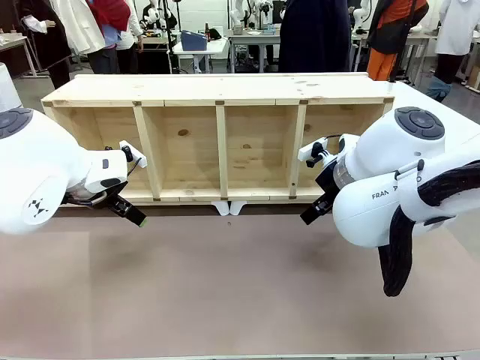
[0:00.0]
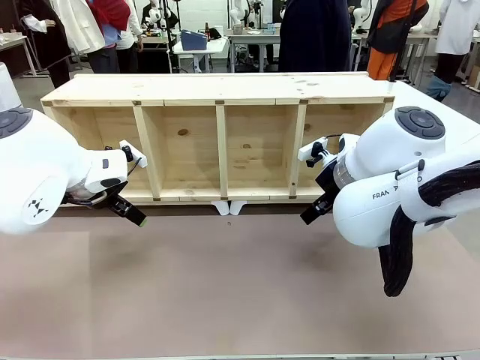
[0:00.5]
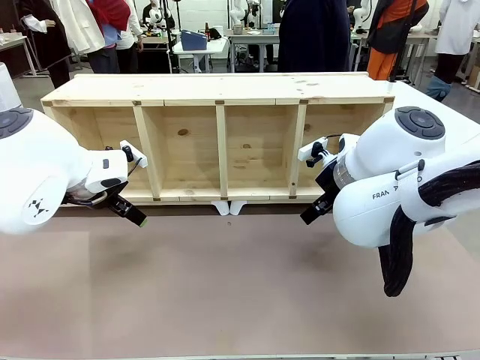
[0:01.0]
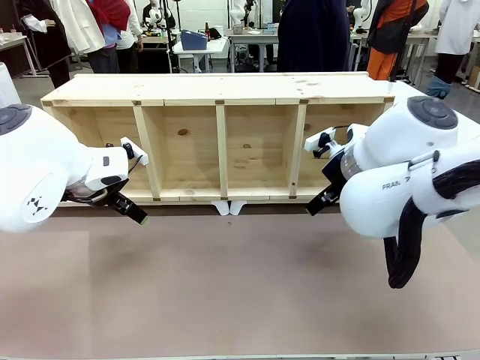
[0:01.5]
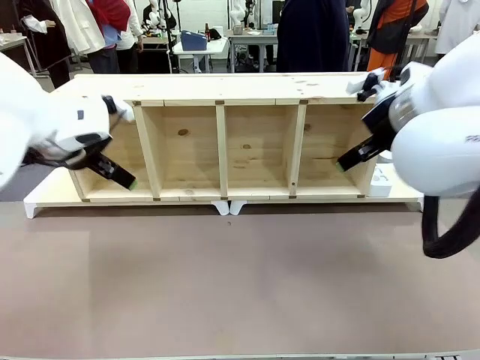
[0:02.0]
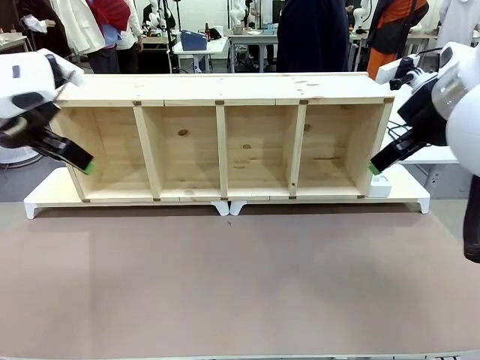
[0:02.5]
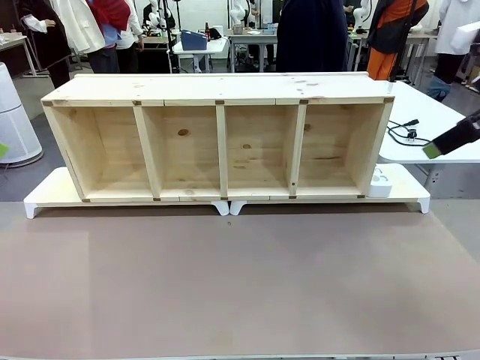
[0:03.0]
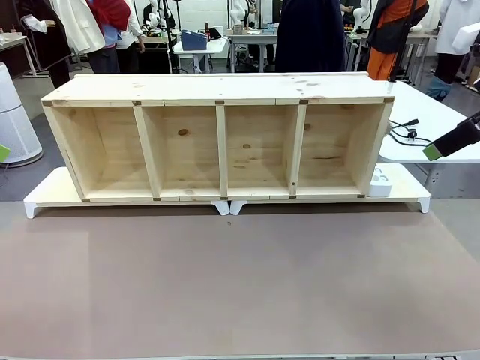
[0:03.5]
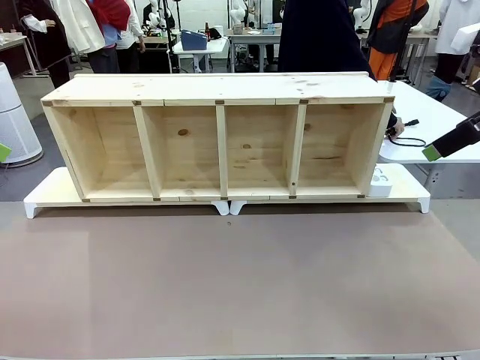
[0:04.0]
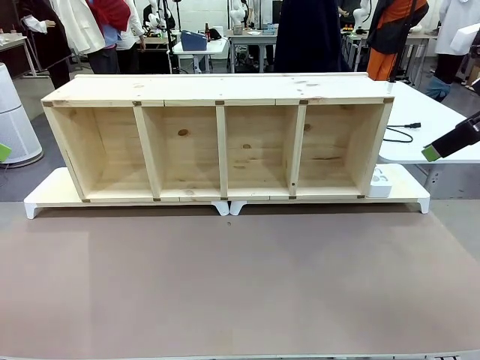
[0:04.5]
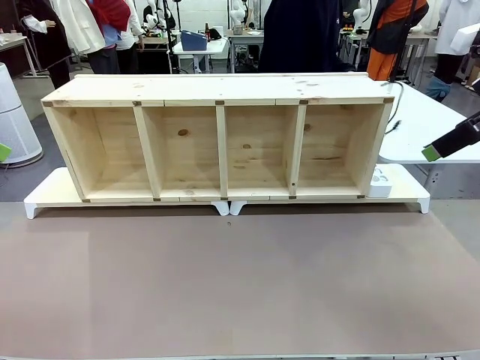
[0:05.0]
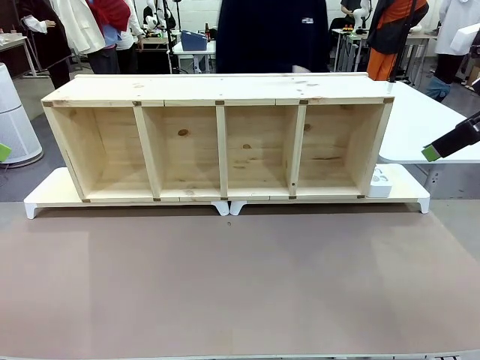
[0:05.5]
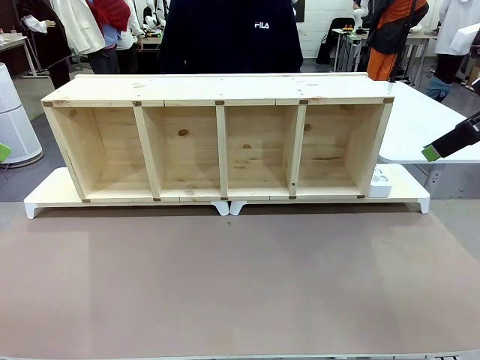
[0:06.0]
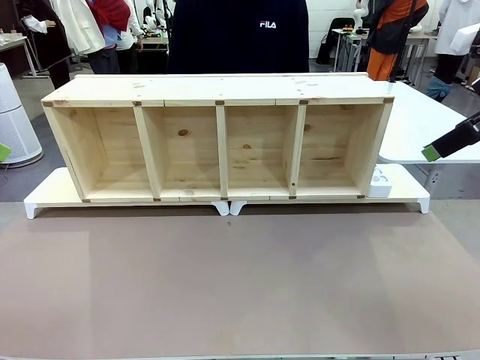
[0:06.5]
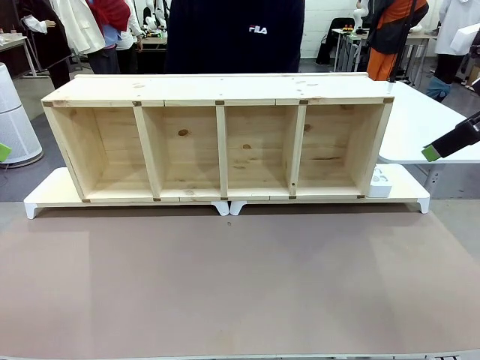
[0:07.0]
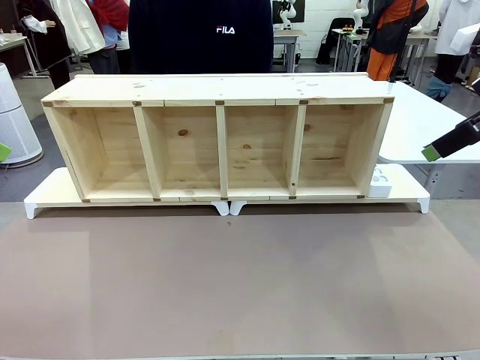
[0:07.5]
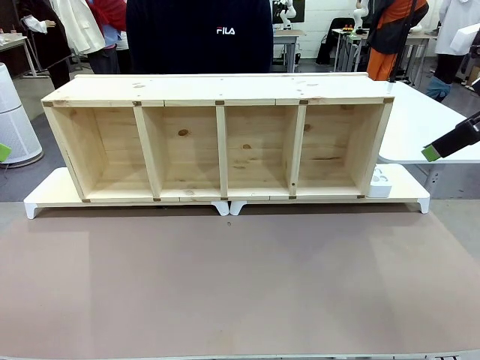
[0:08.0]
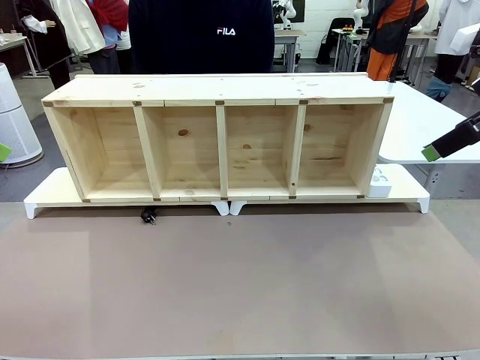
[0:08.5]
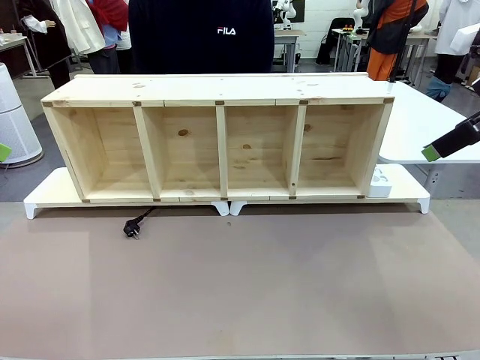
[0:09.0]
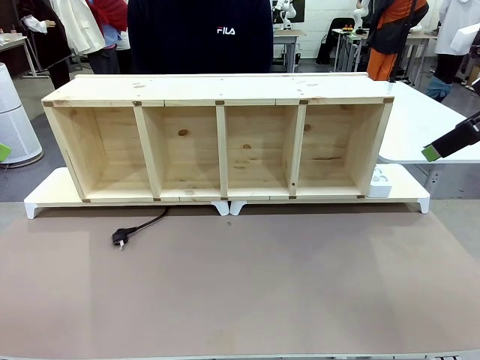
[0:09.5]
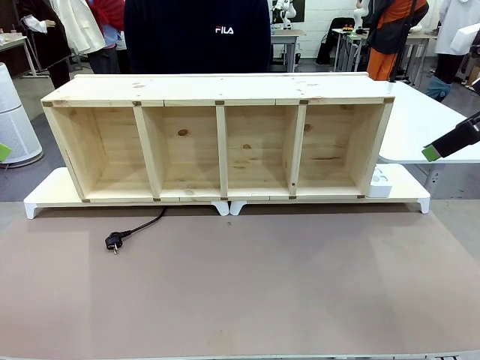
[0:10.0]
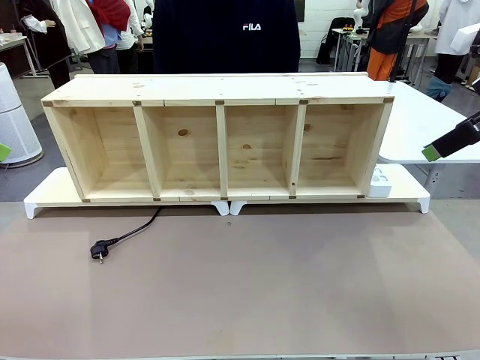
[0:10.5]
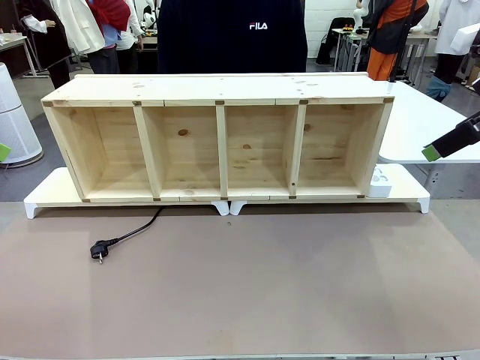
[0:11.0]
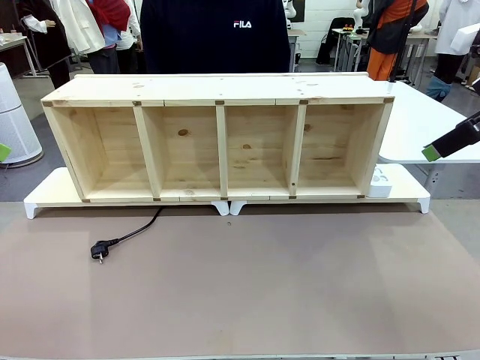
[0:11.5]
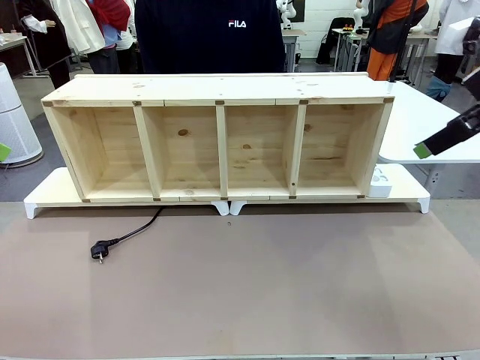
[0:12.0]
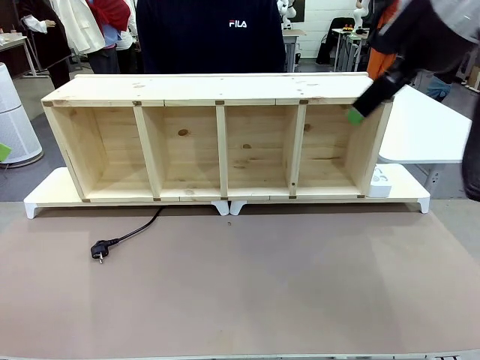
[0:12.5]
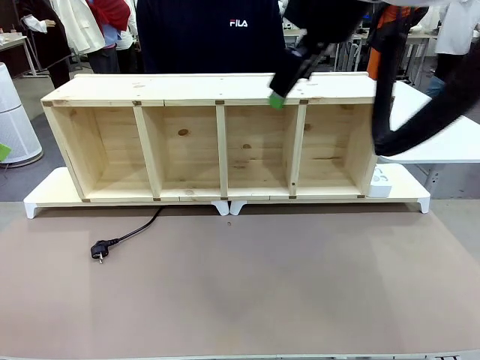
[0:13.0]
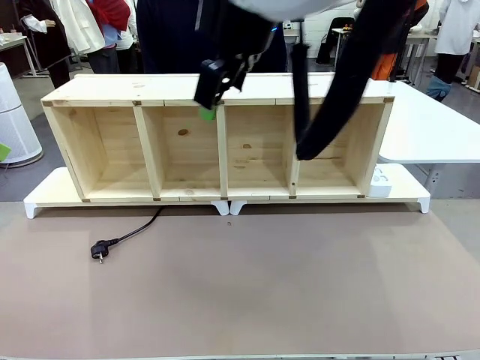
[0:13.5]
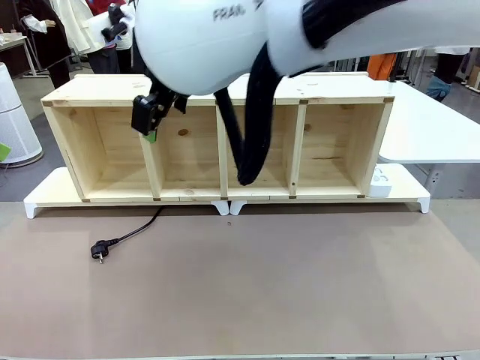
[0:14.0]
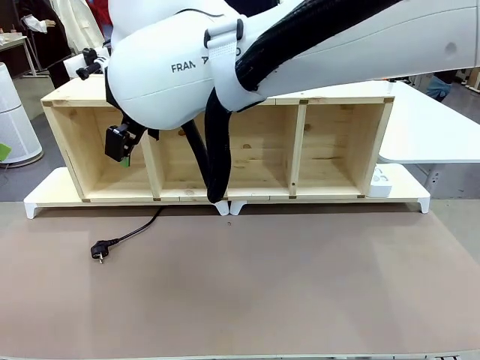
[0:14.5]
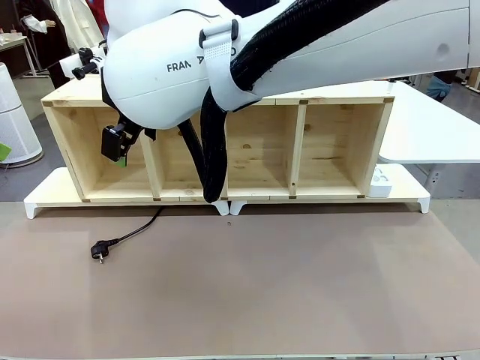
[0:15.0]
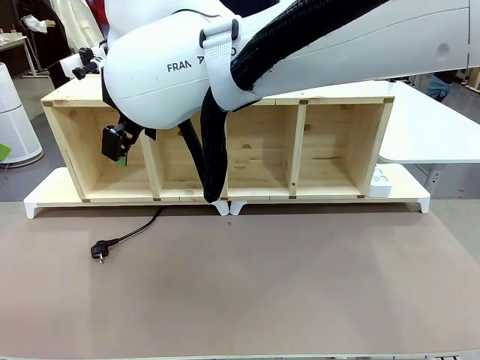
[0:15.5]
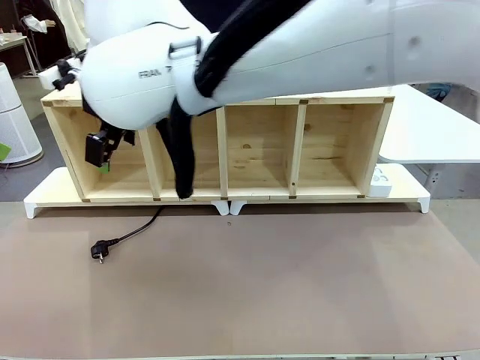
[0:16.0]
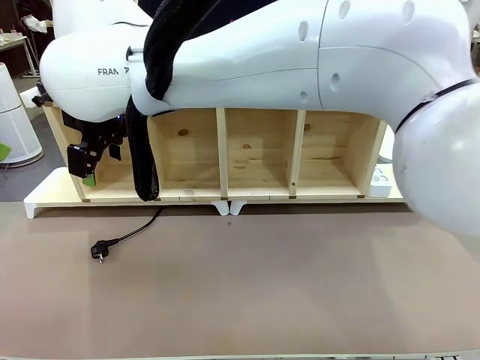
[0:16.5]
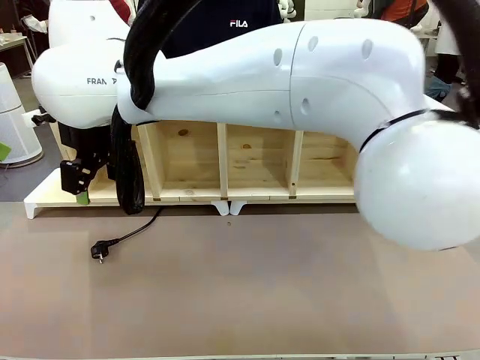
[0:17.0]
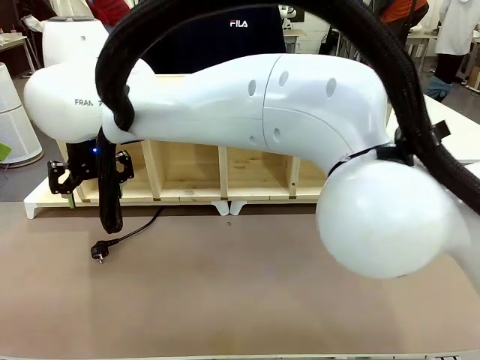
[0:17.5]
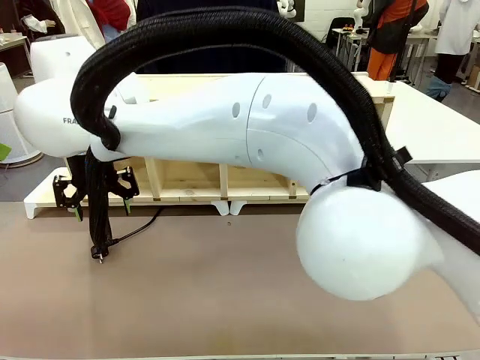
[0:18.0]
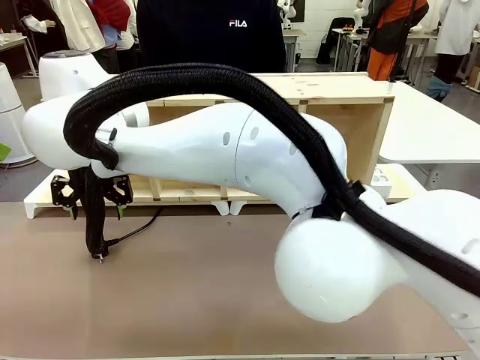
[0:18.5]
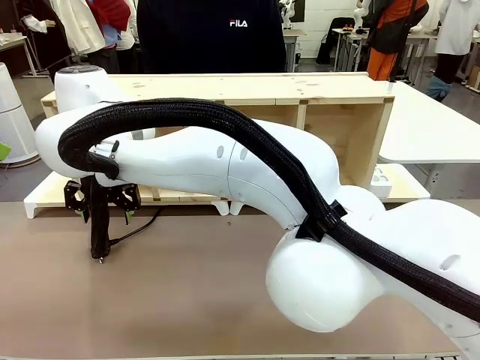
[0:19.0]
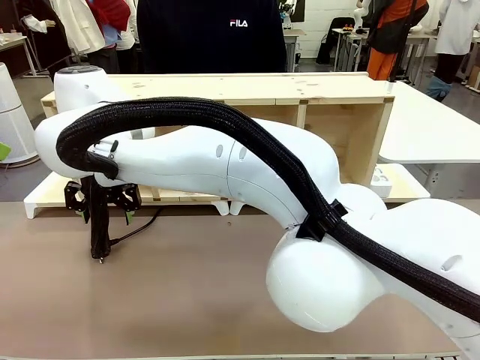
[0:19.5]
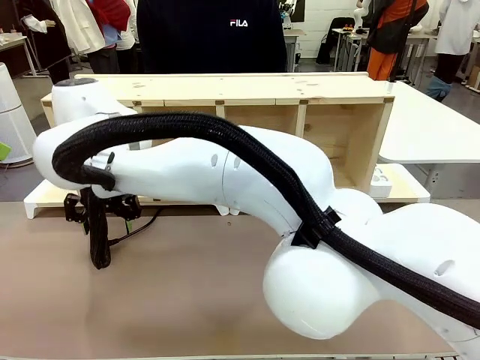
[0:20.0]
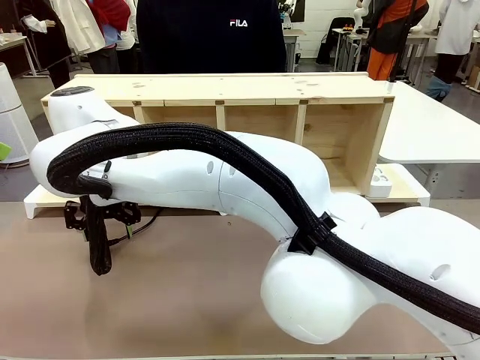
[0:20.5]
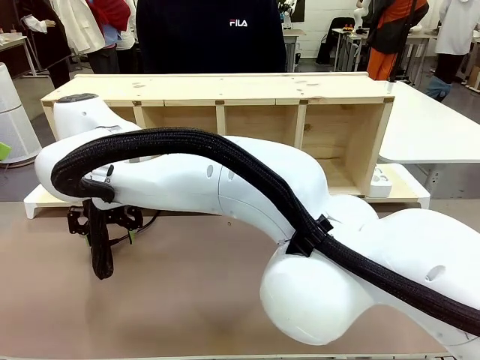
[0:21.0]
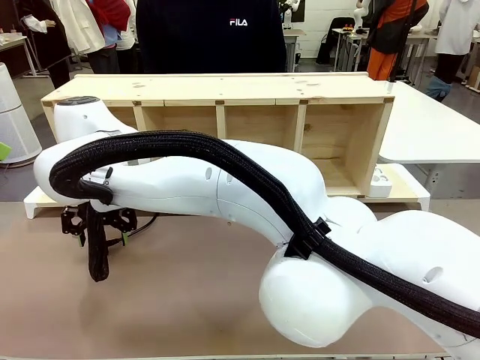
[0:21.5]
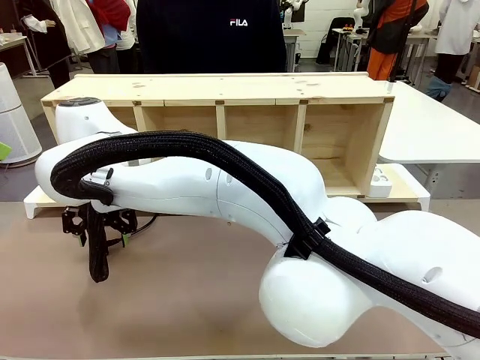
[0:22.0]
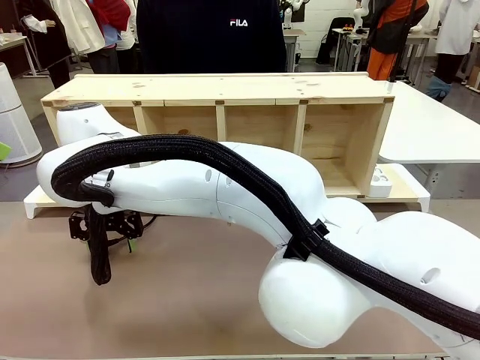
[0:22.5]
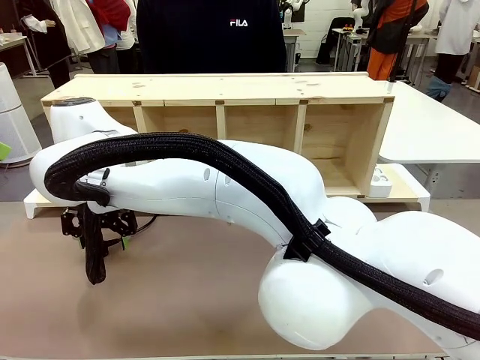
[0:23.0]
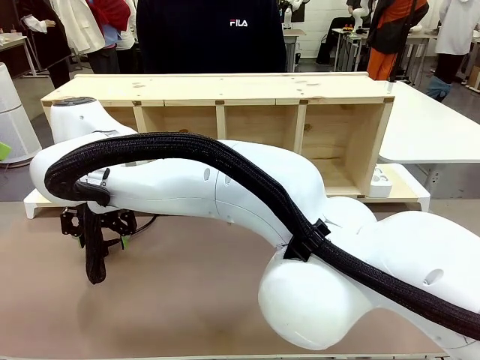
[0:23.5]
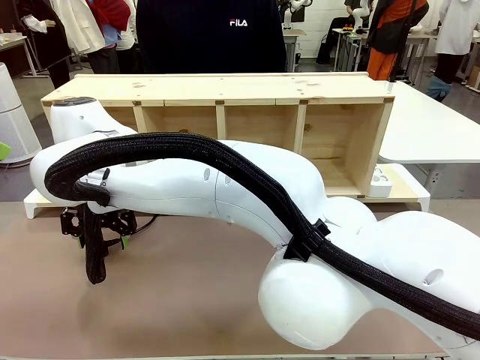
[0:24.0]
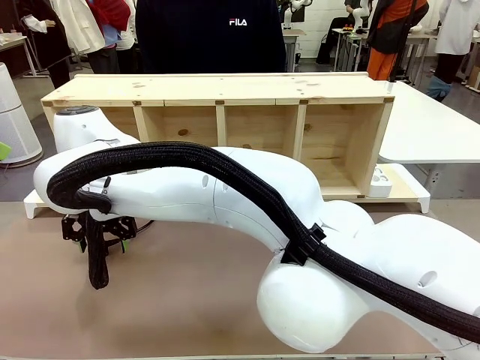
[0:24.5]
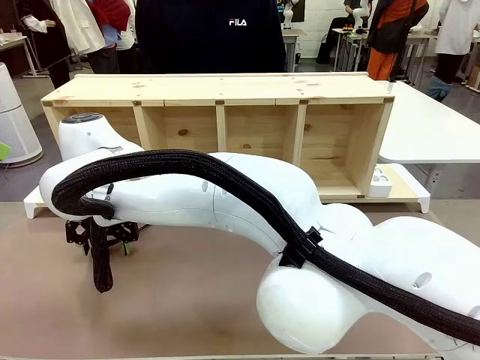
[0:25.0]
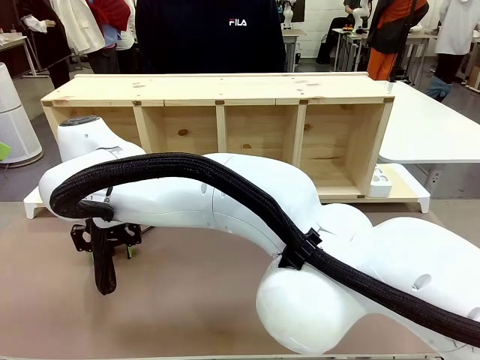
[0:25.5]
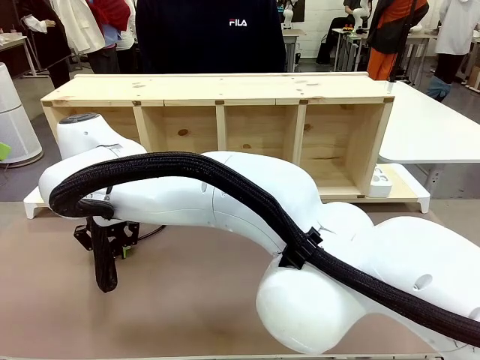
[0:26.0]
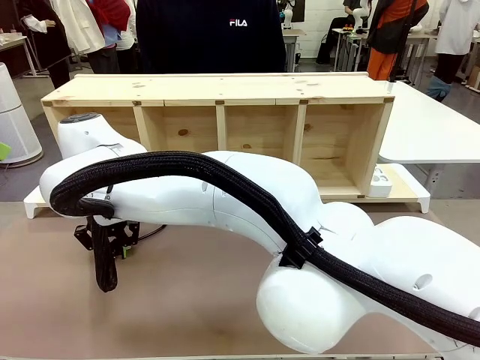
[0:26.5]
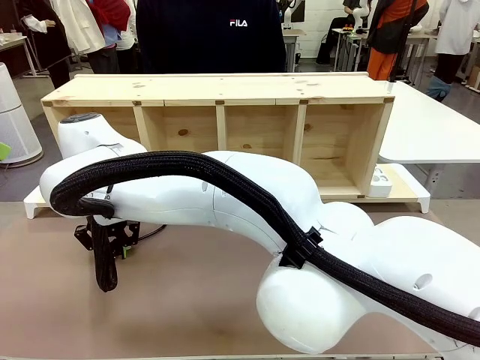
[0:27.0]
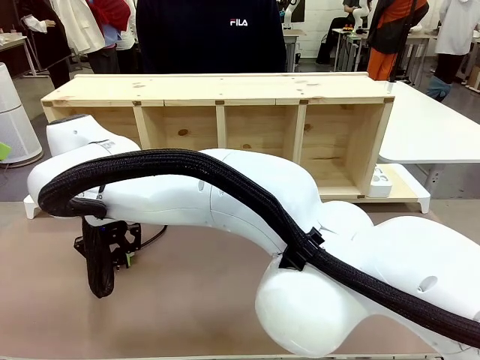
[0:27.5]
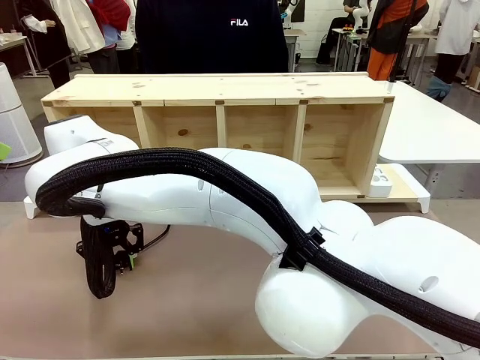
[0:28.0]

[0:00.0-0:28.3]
Task: Perform cable management.
Robot: When the cord part of the Power Cable appears at the lower middle area of the table and stops, grasp the cord part of the Power Cable.
Person: Pass the Power Cable under the Serving Table.
